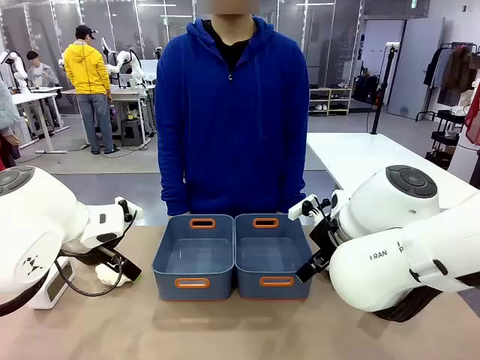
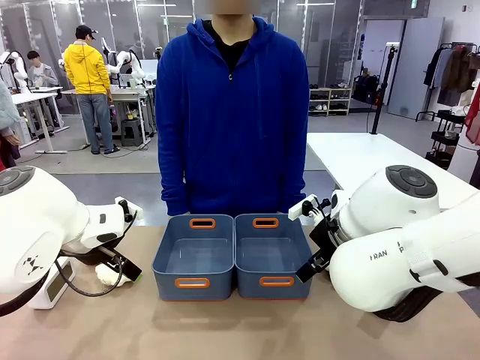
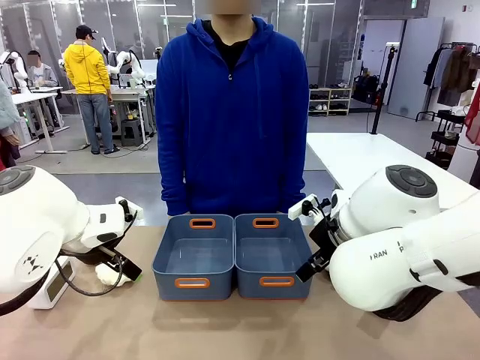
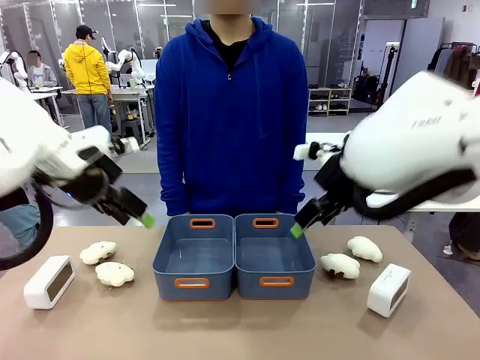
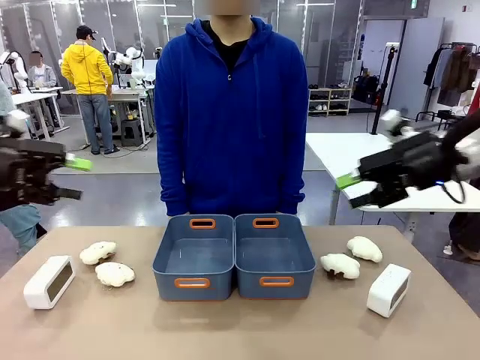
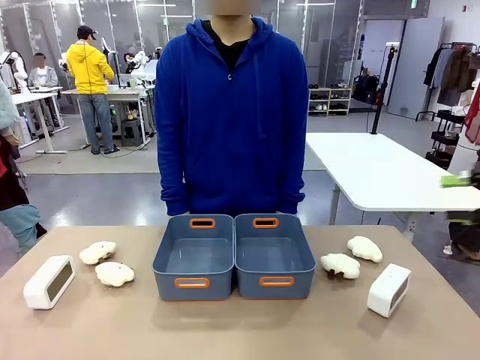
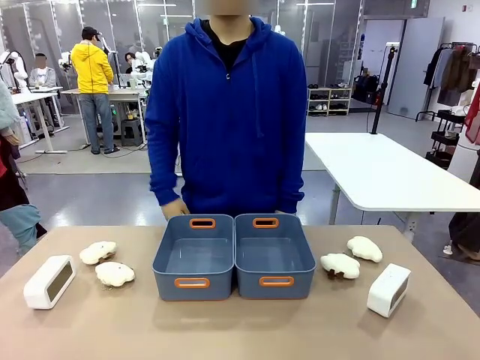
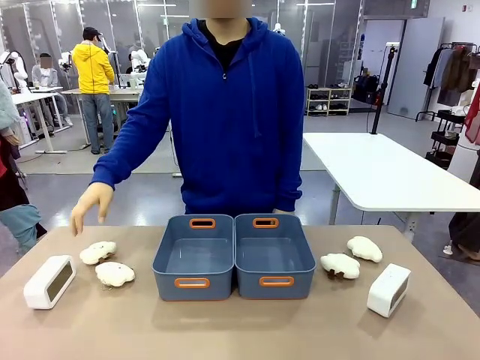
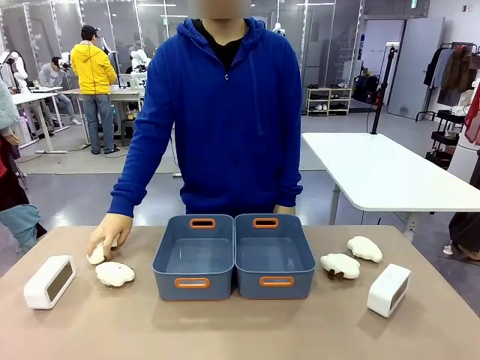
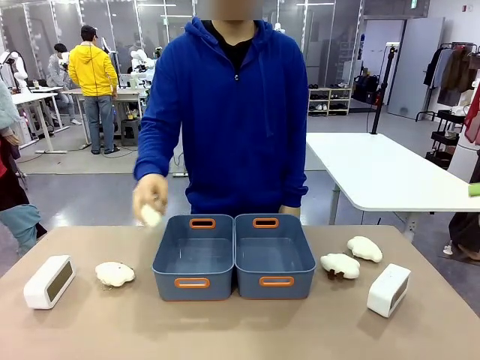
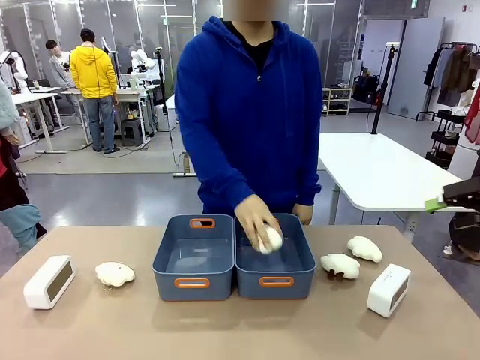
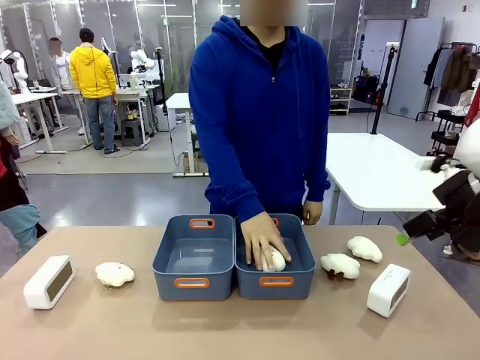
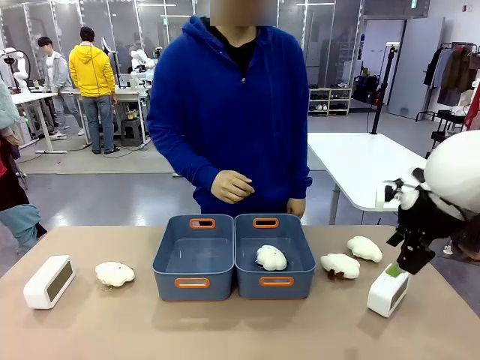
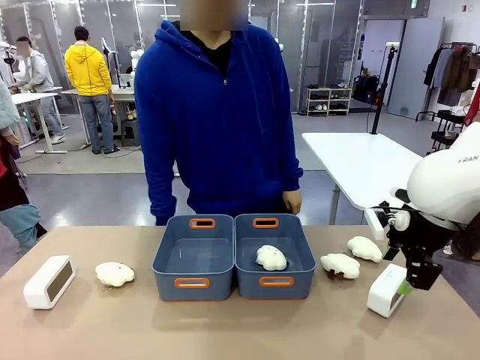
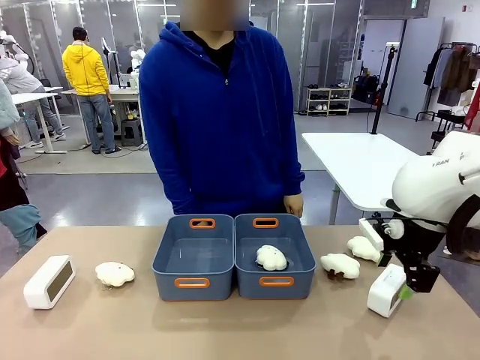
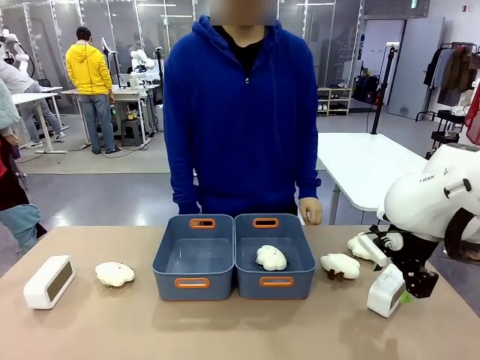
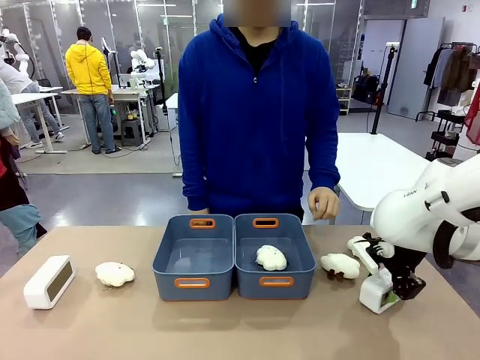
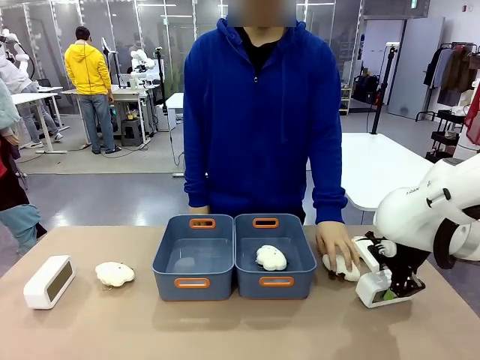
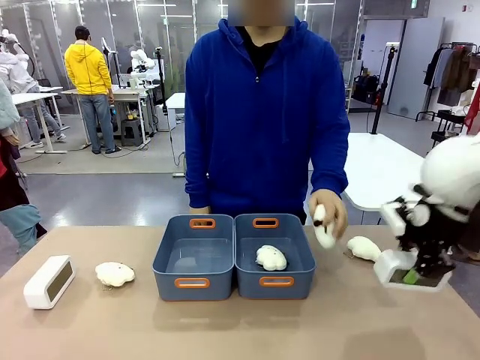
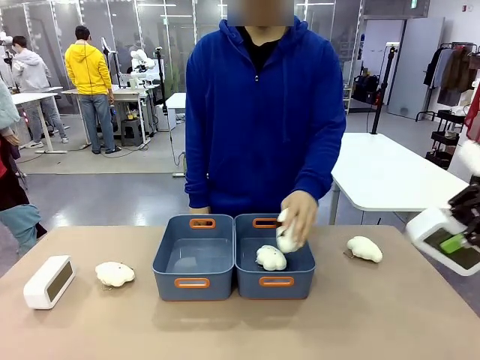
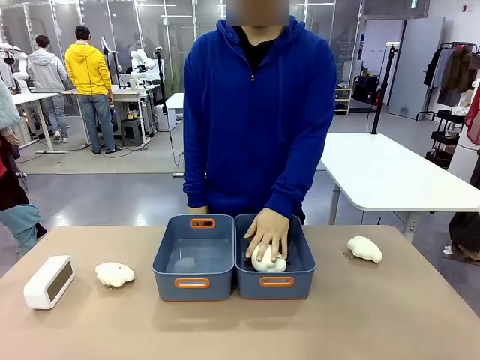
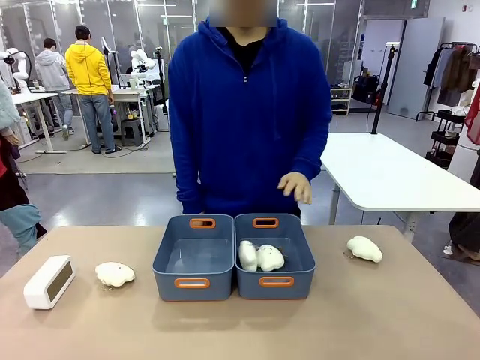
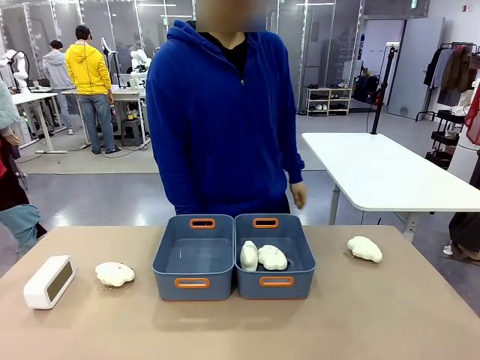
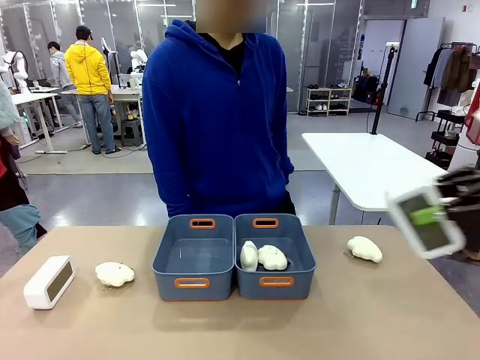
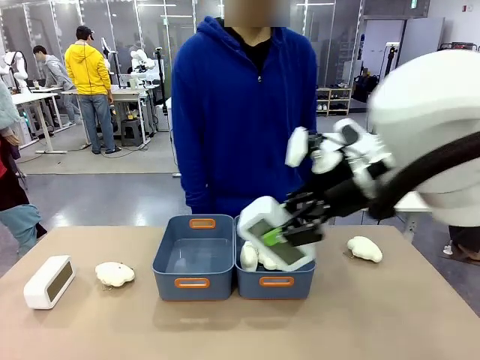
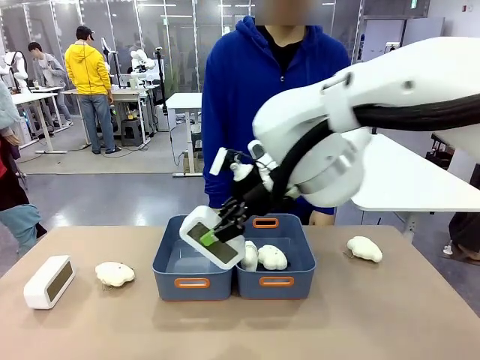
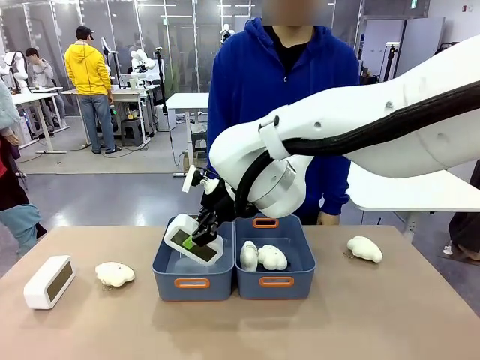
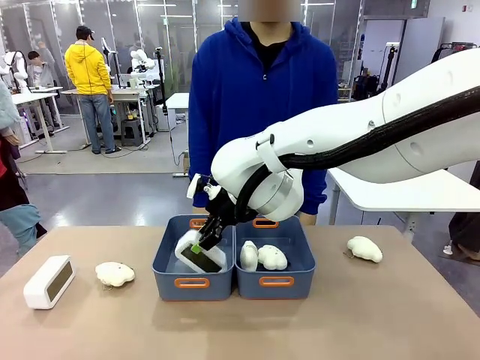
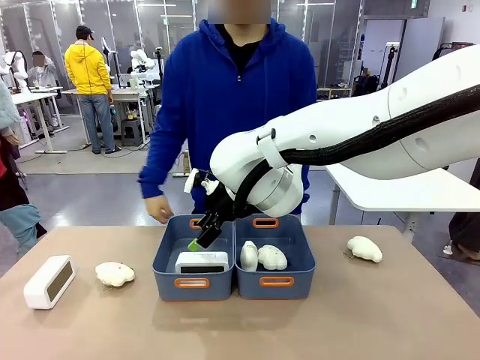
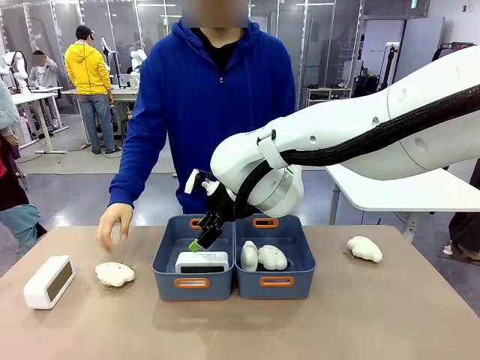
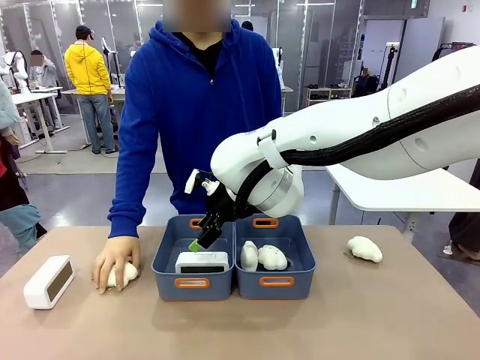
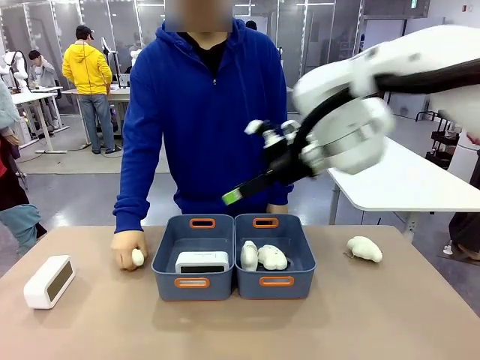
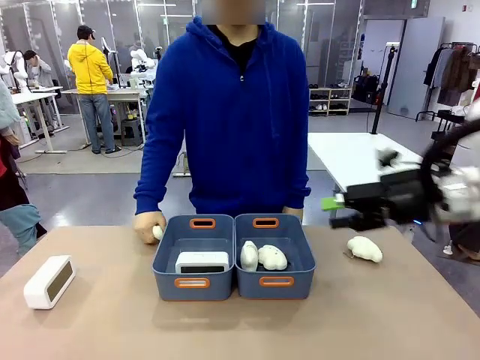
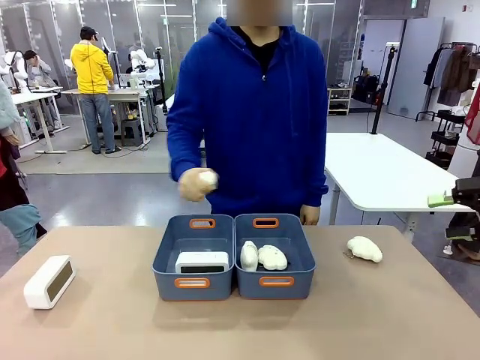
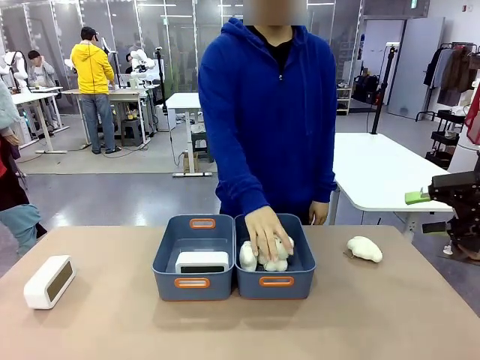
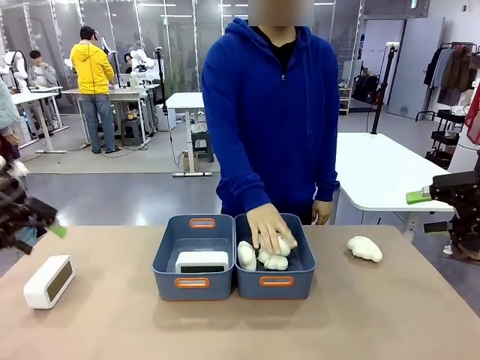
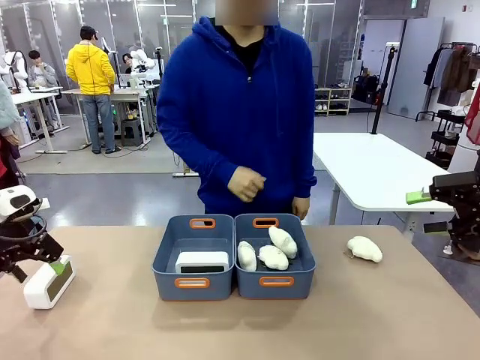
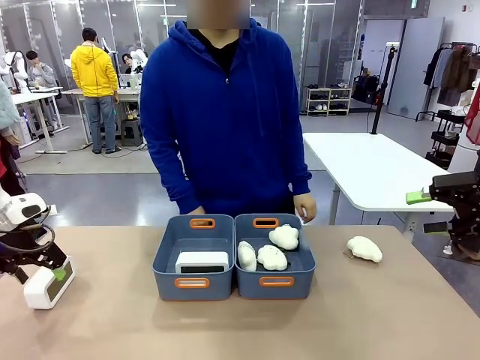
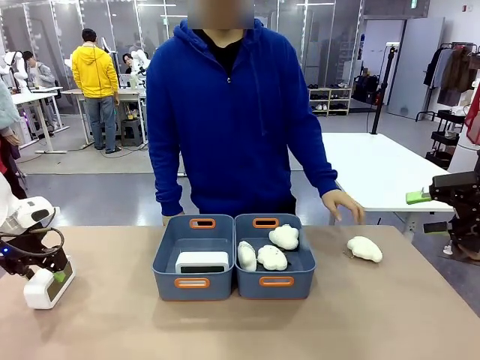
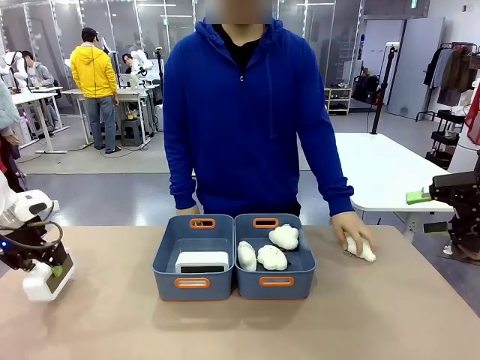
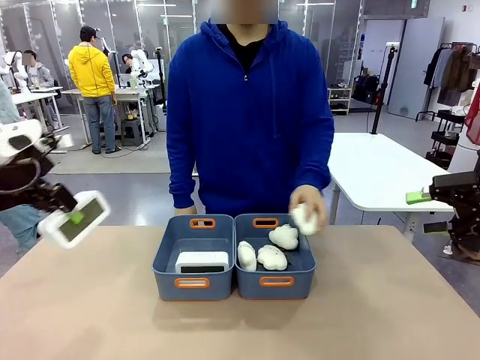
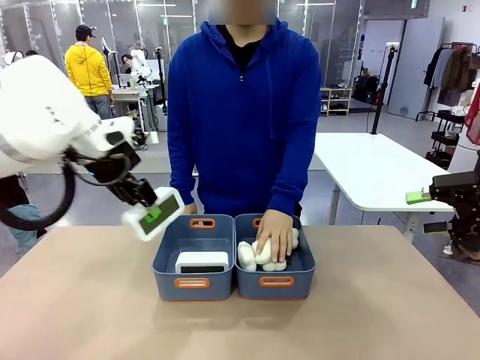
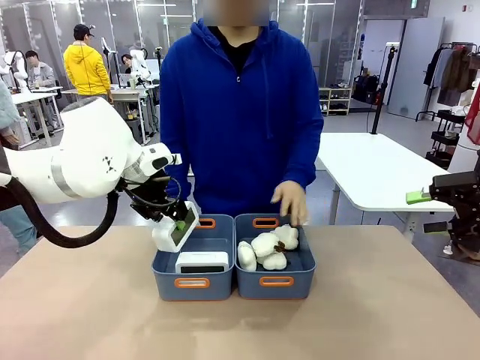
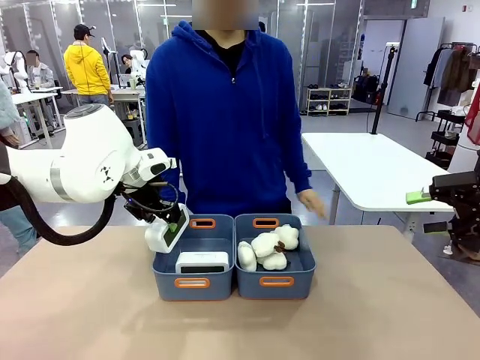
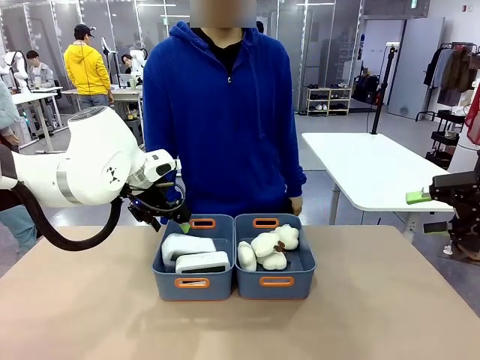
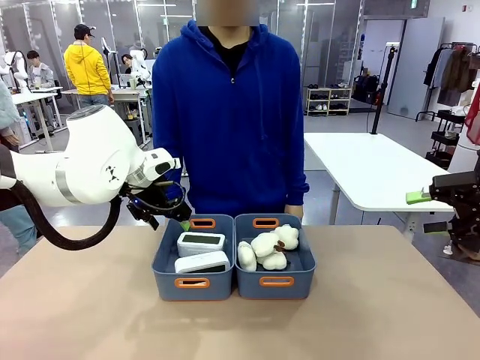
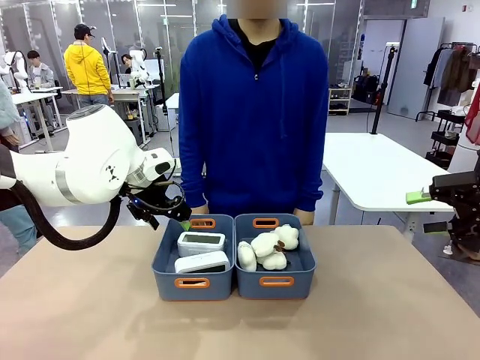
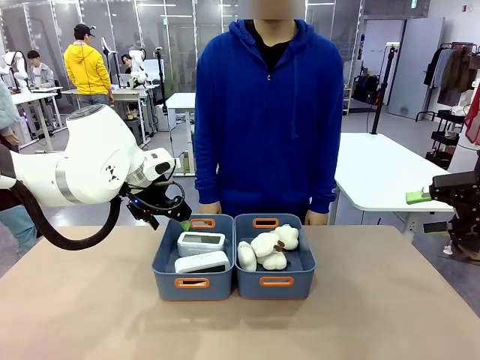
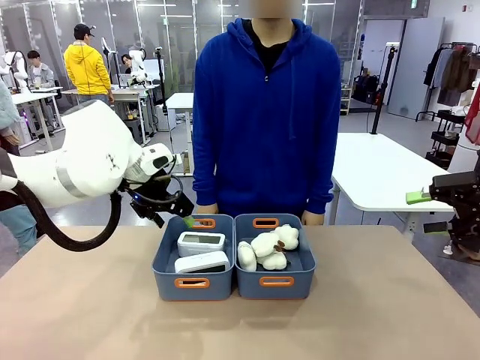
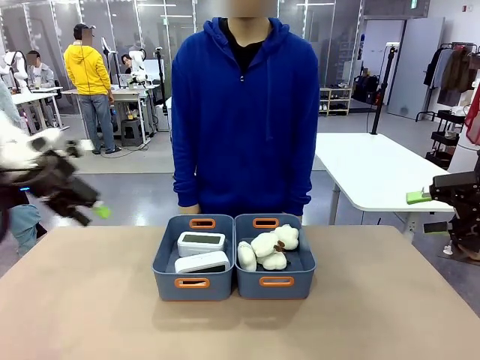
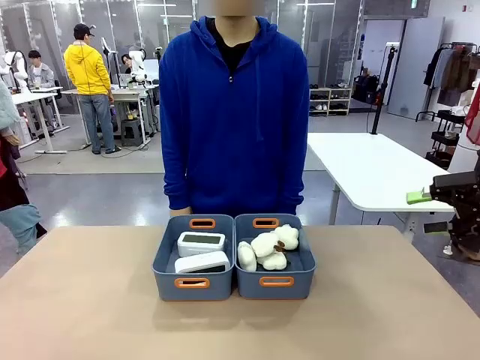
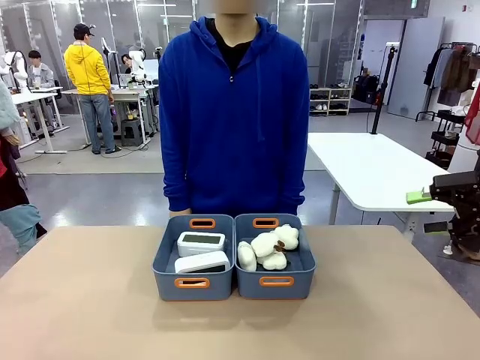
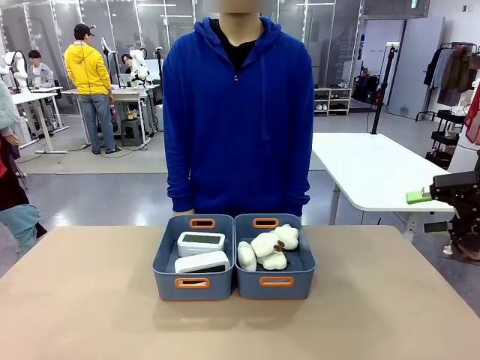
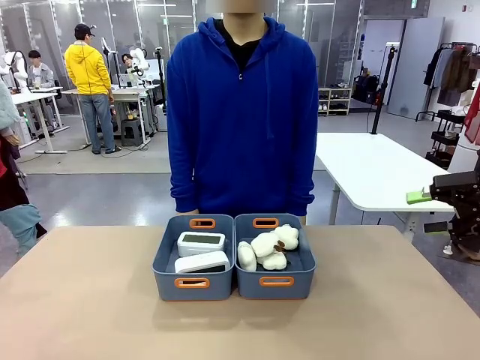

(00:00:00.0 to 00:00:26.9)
Task: Sort the digital clocks into the basket.
Robot: Pick up the Digital clock from the table and place it into the empty Plastic storage basket.
Person: Pick up a plush toy from the table and place it in a plastic storage basket. Pick up a plush toy from the table and place it in the plastic storage basket containing the plush toy.
